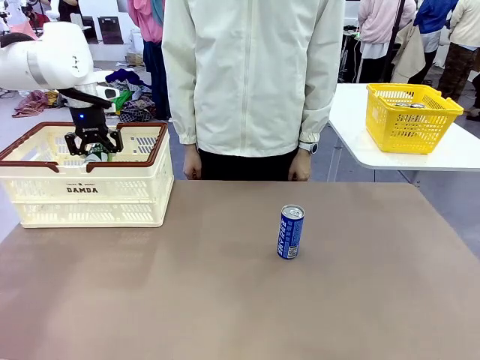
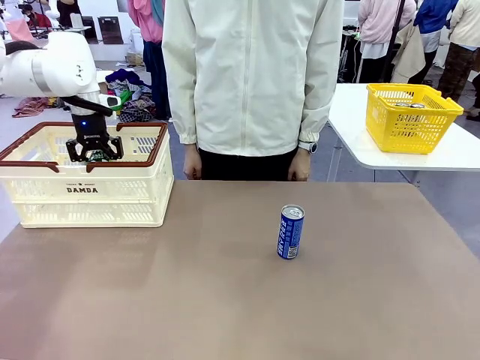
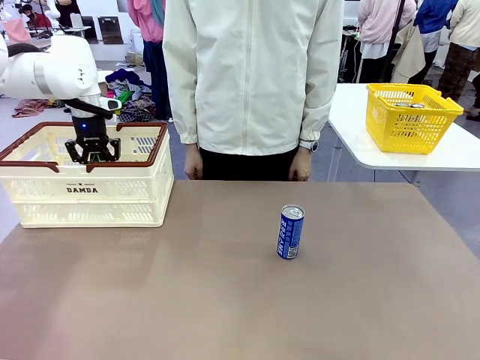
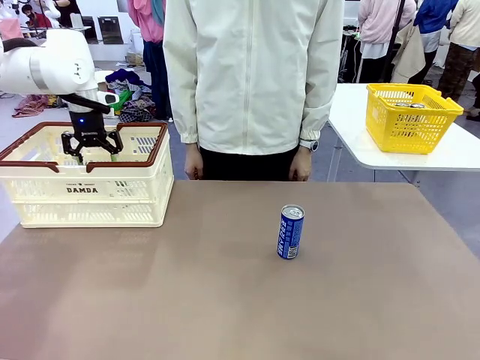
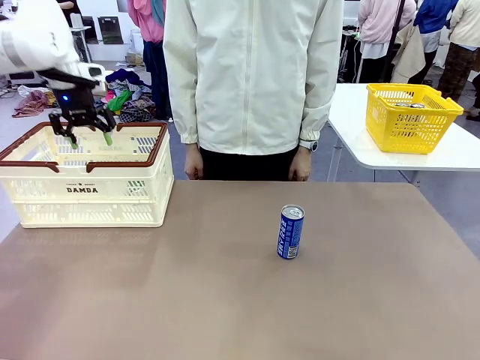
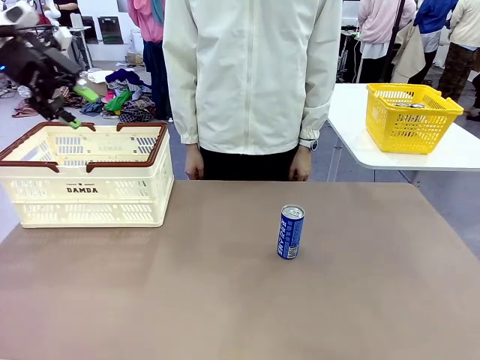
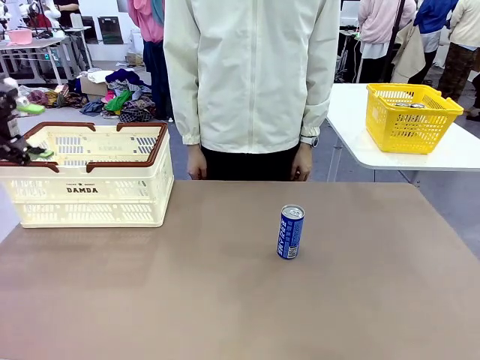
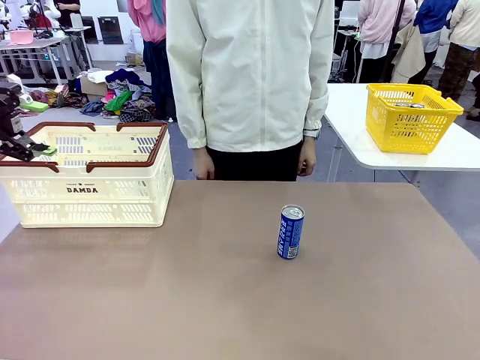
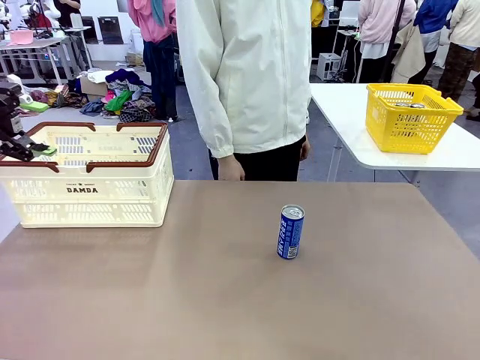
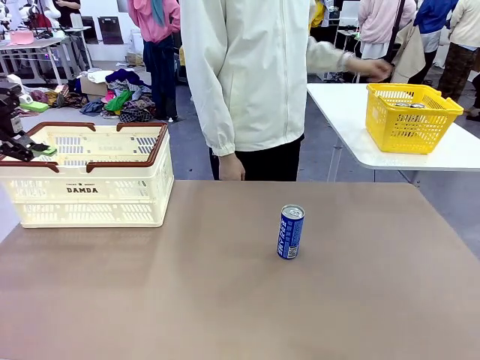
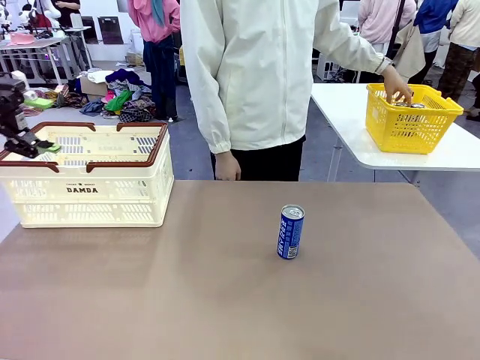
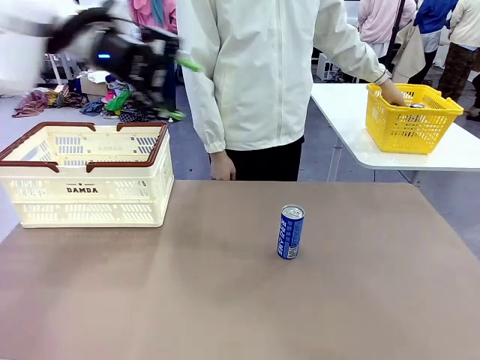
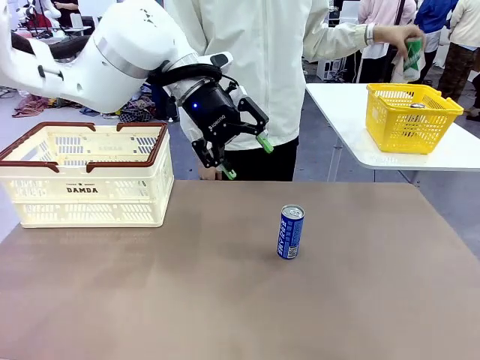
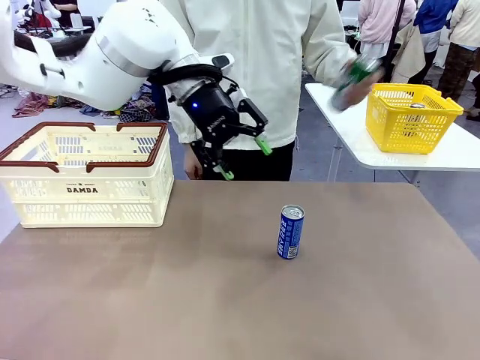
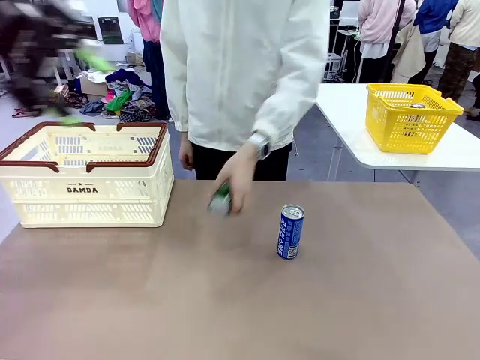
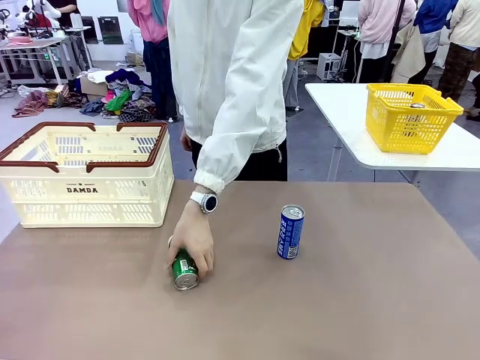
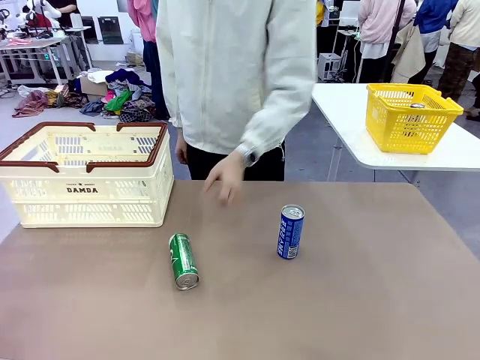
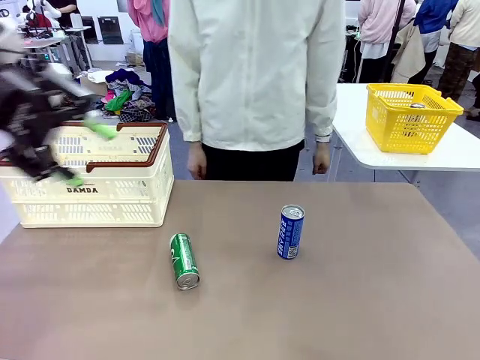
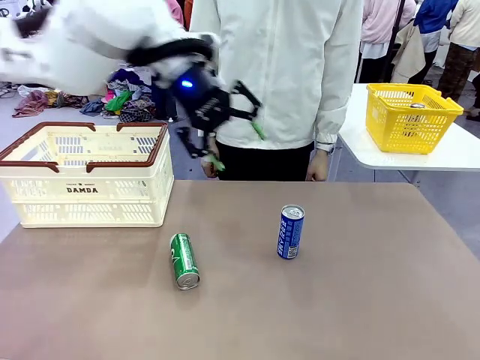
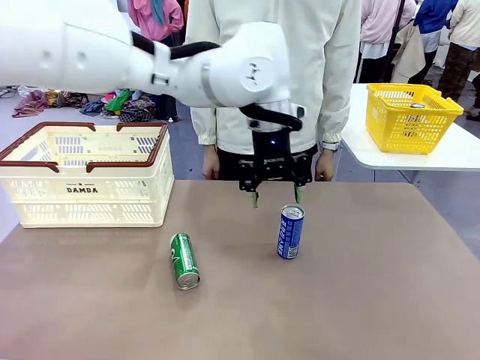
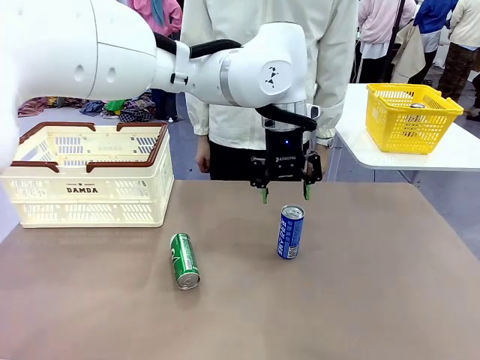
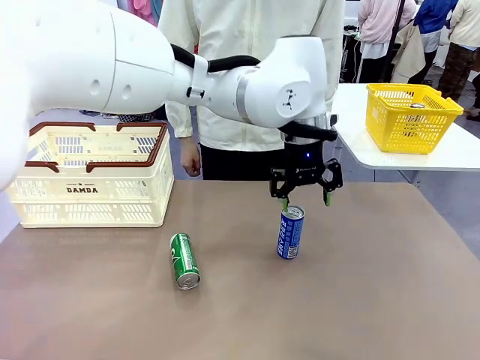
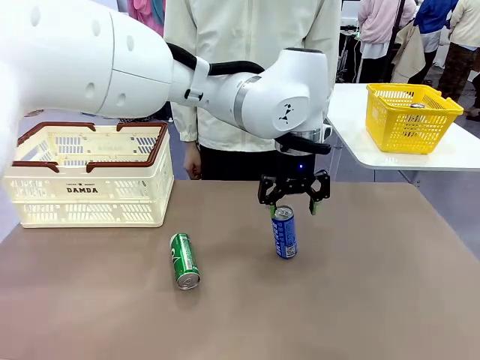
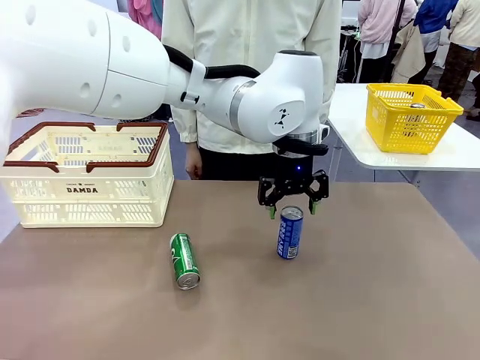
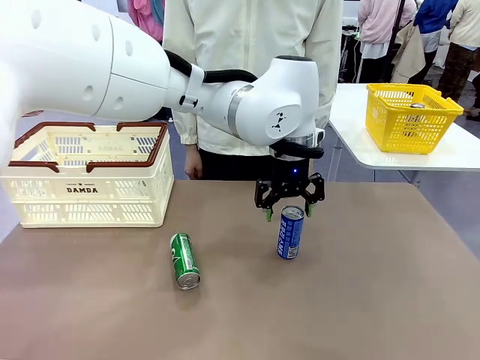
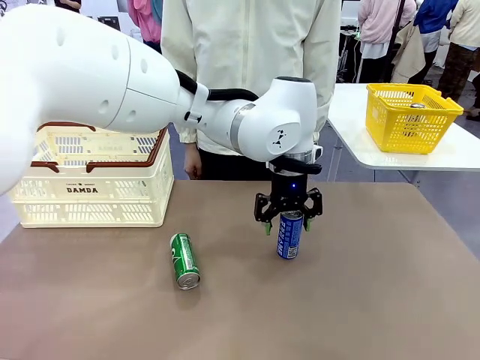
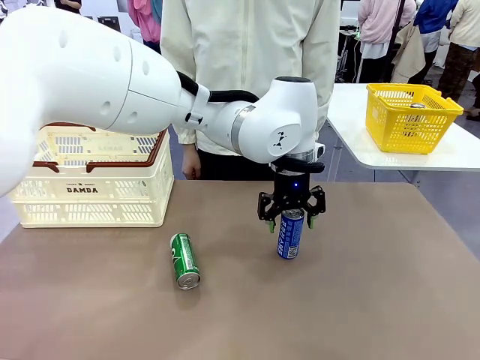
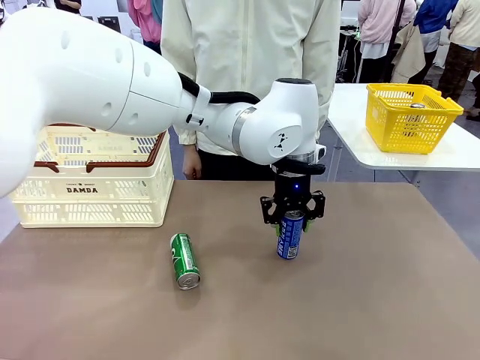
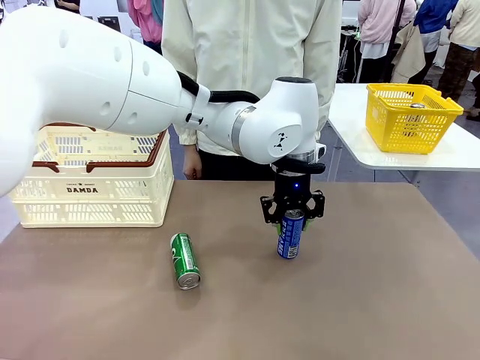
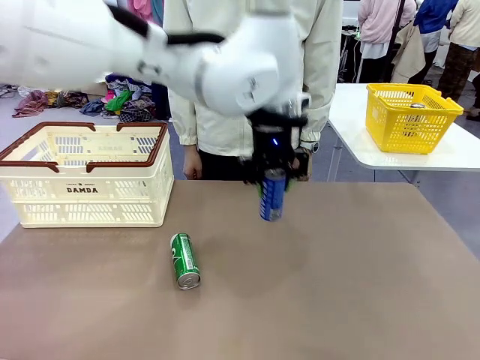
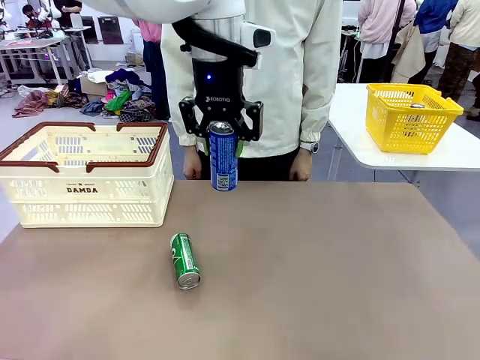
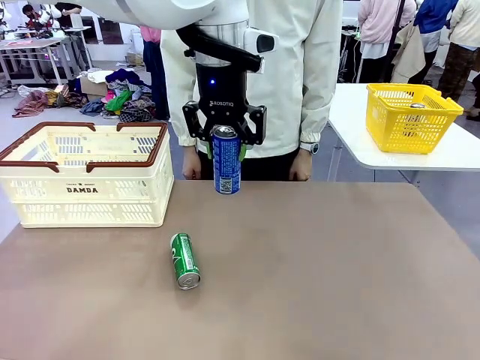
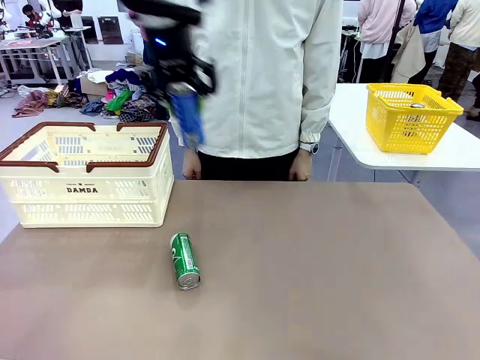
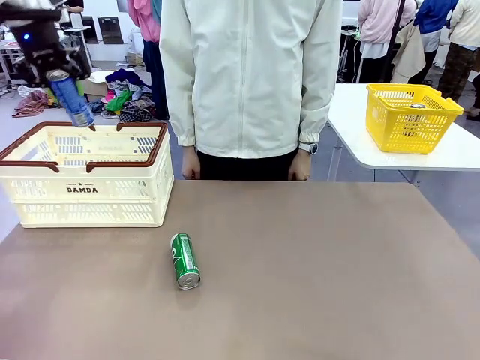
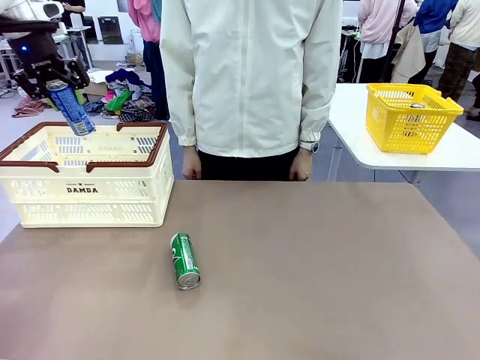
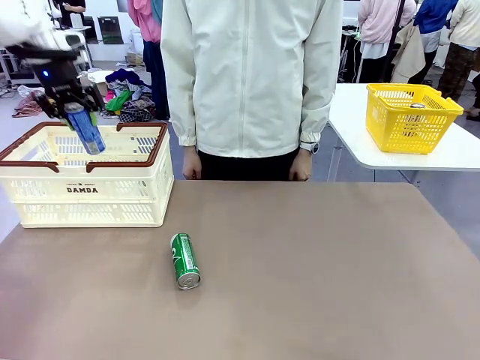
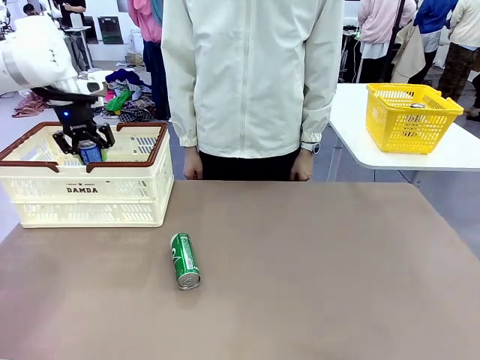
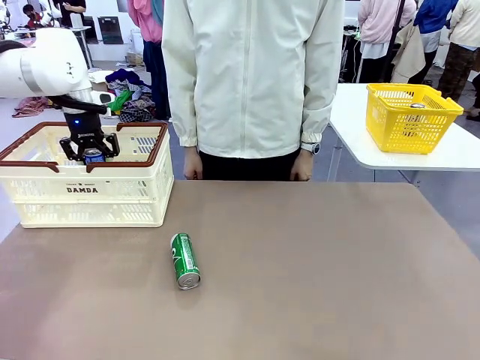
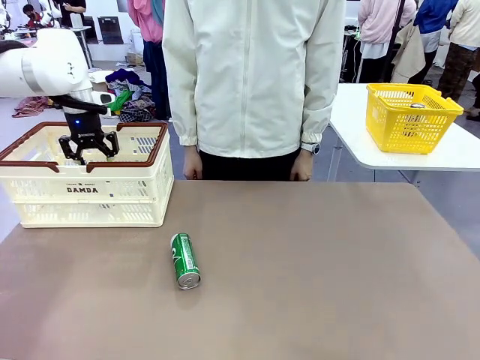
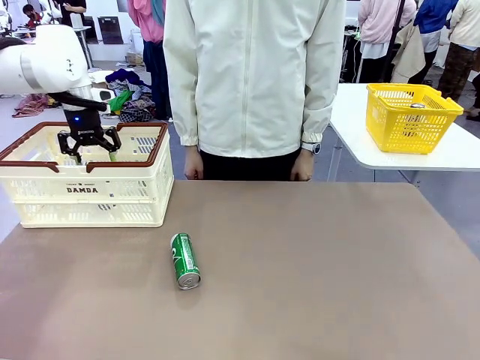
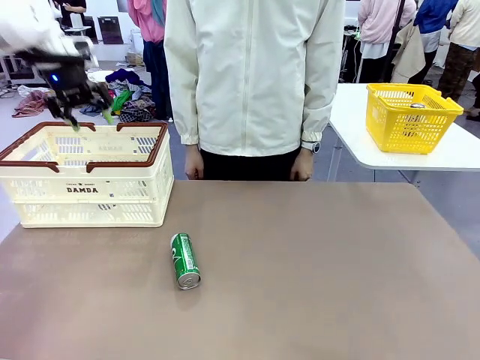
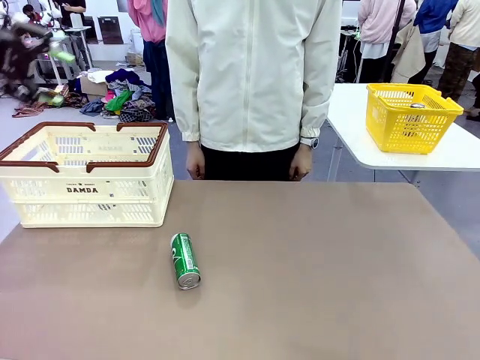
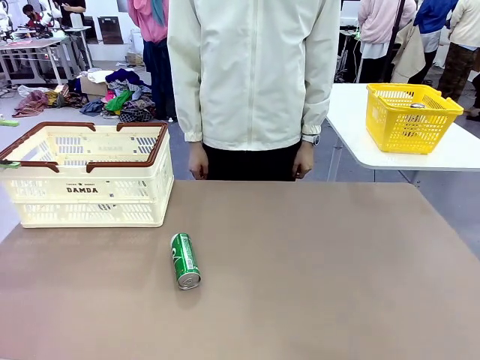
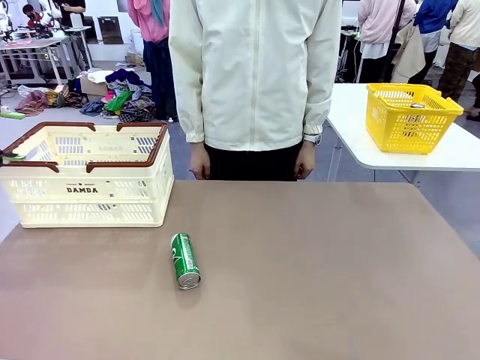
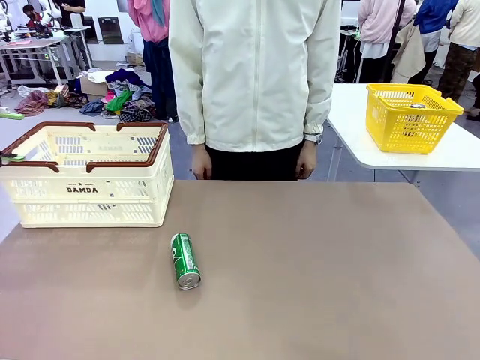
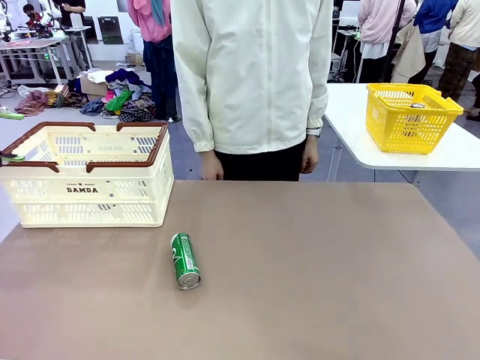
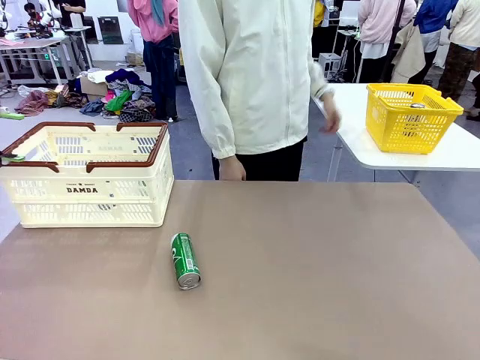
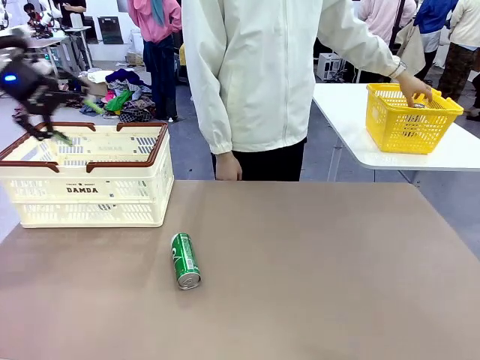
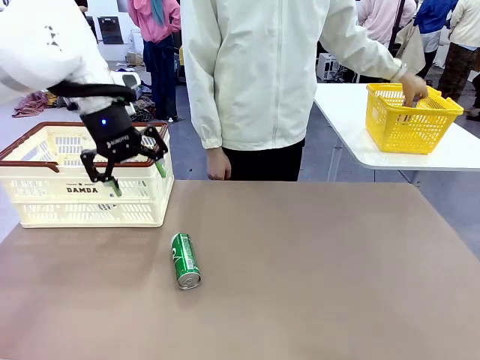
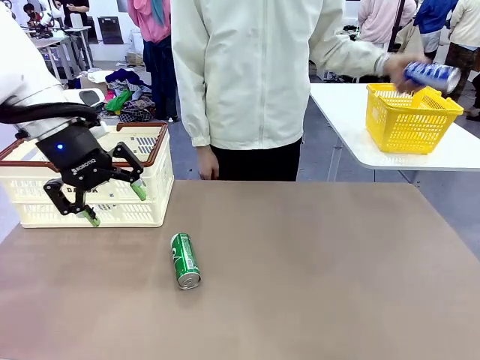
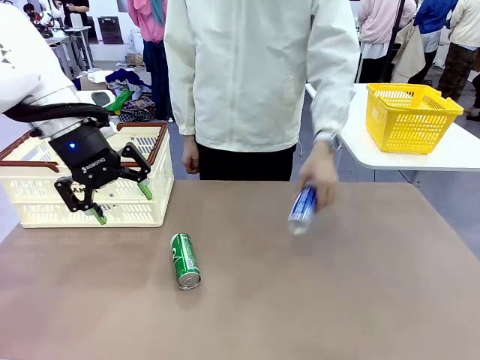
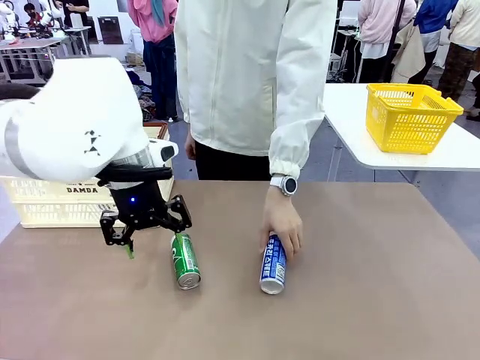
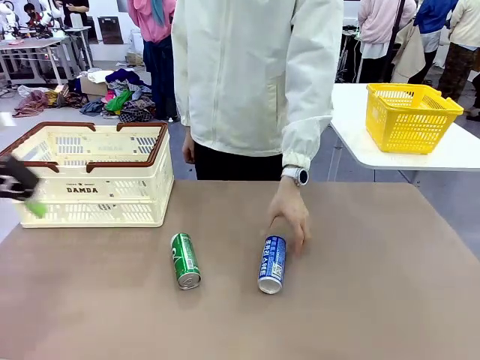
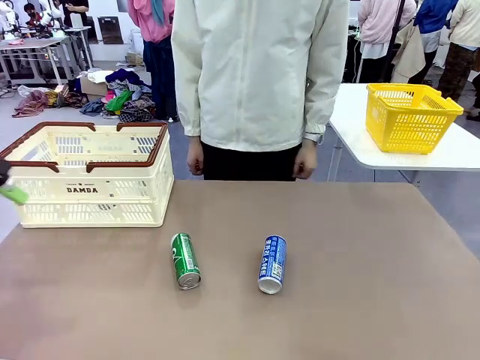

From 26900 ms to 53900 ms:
Task: Place the drinks into the Shopping basket.
Robot: Pick up one drink and place it into the Shopping basket.
